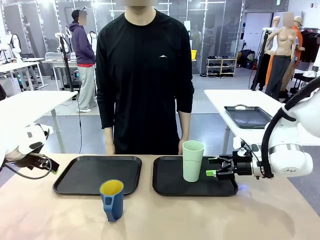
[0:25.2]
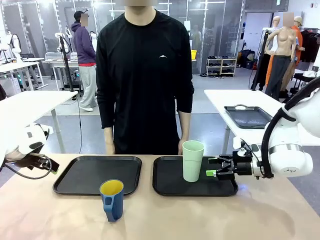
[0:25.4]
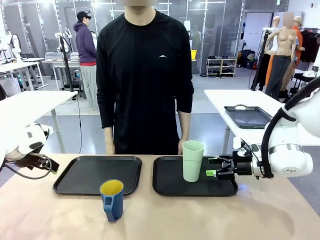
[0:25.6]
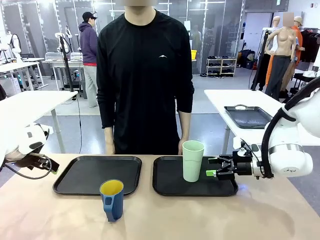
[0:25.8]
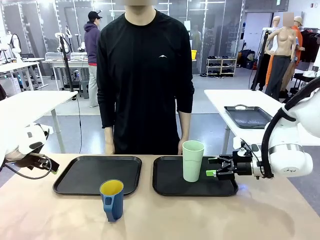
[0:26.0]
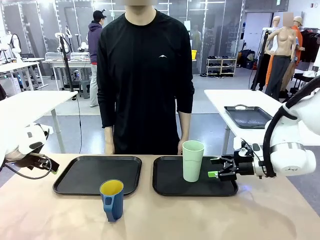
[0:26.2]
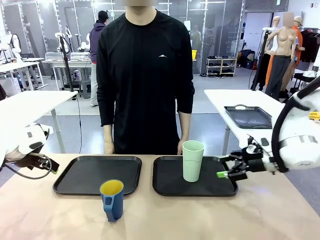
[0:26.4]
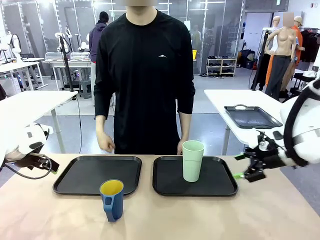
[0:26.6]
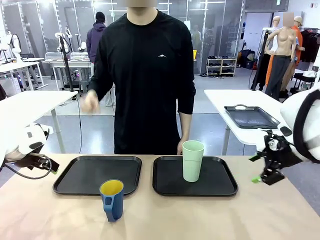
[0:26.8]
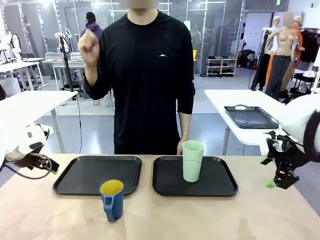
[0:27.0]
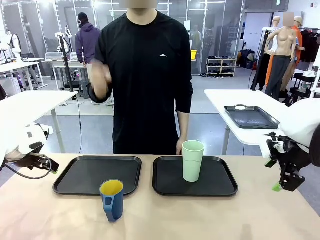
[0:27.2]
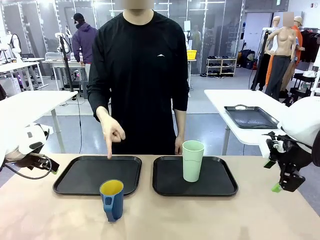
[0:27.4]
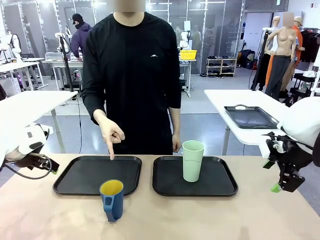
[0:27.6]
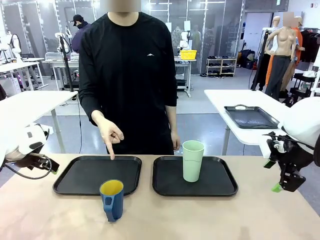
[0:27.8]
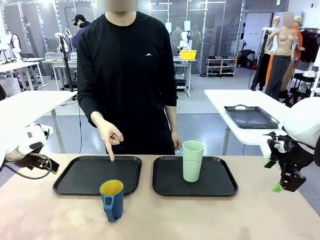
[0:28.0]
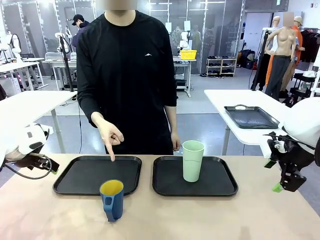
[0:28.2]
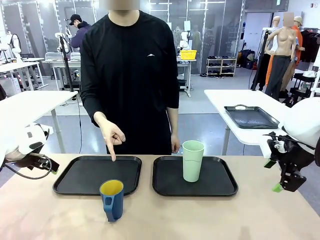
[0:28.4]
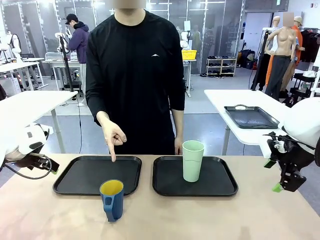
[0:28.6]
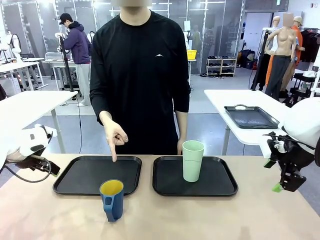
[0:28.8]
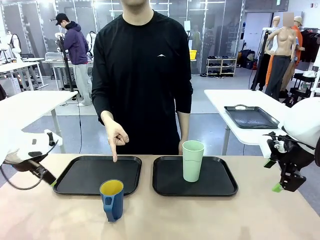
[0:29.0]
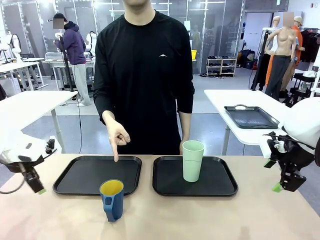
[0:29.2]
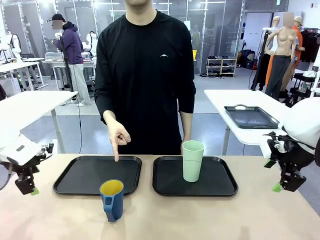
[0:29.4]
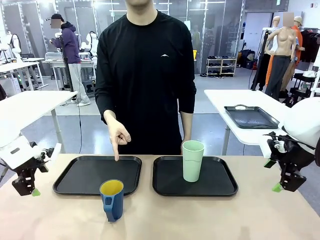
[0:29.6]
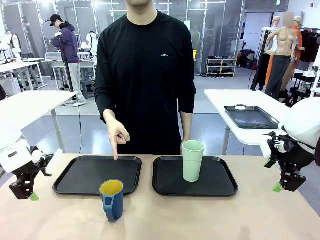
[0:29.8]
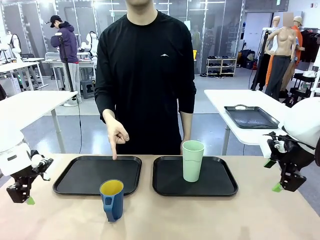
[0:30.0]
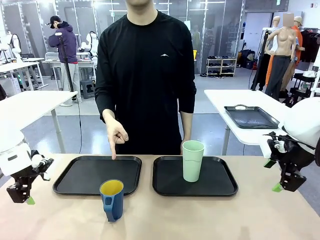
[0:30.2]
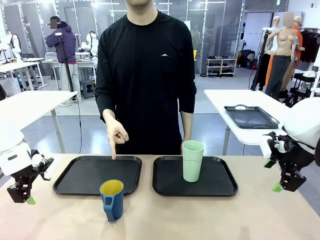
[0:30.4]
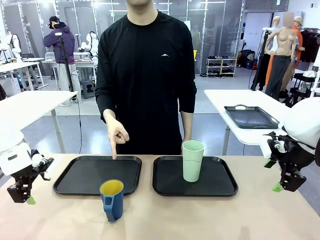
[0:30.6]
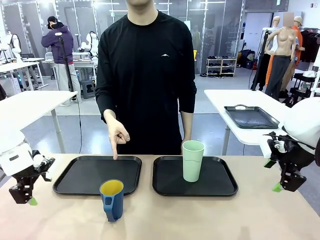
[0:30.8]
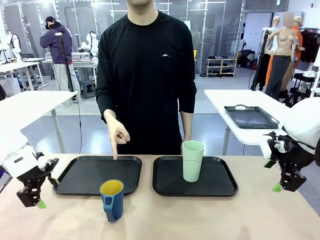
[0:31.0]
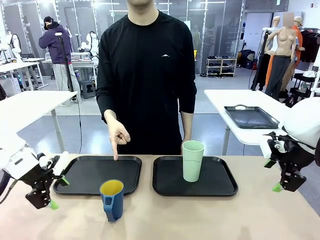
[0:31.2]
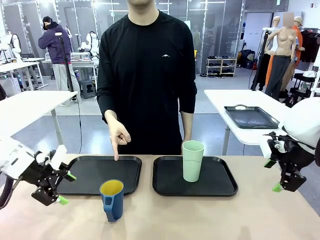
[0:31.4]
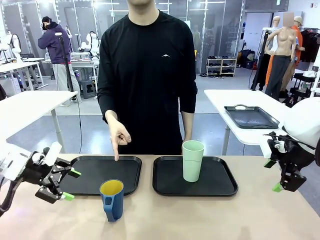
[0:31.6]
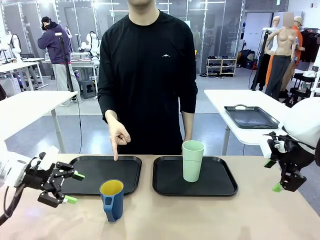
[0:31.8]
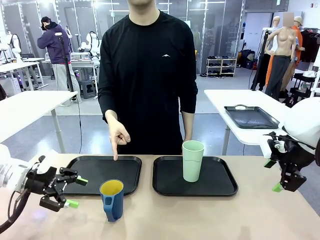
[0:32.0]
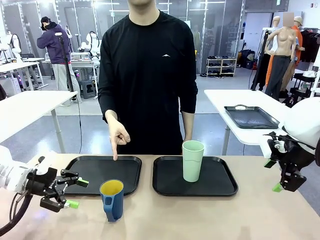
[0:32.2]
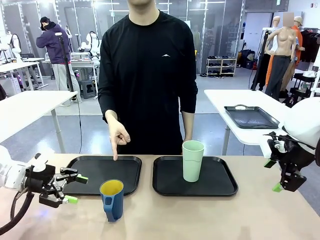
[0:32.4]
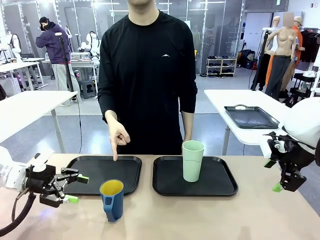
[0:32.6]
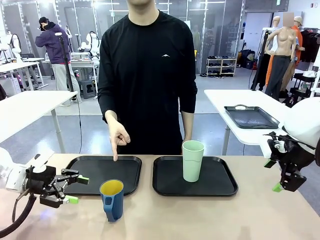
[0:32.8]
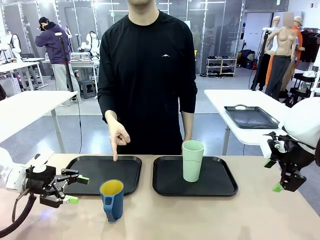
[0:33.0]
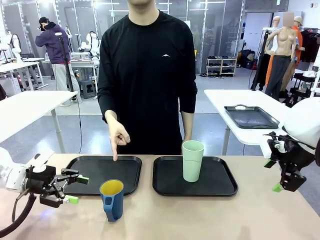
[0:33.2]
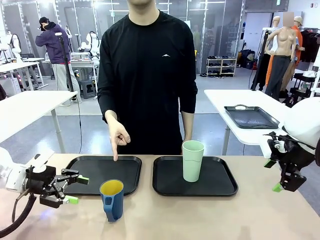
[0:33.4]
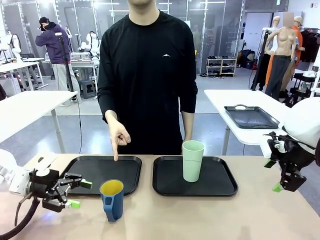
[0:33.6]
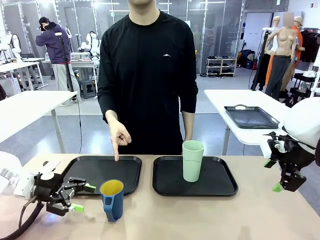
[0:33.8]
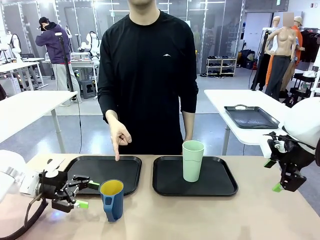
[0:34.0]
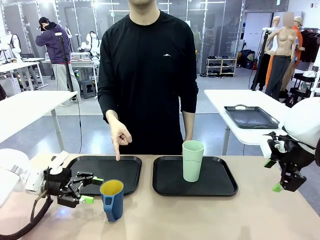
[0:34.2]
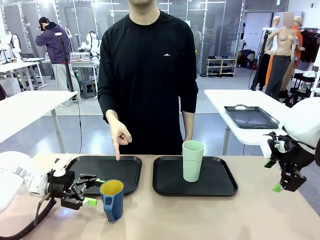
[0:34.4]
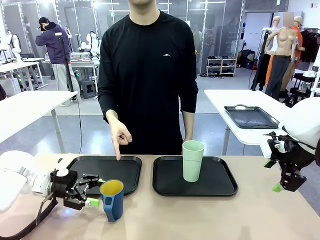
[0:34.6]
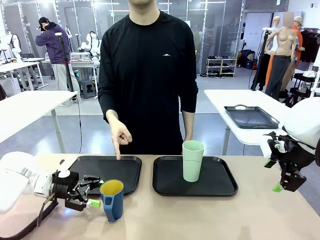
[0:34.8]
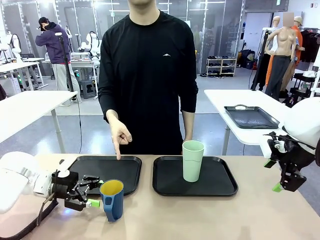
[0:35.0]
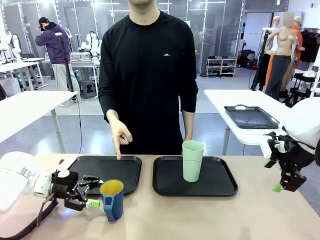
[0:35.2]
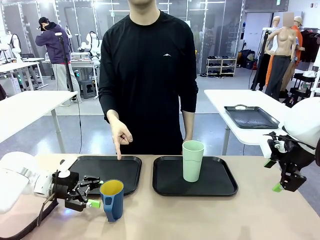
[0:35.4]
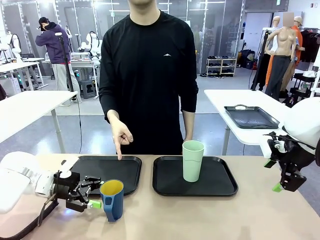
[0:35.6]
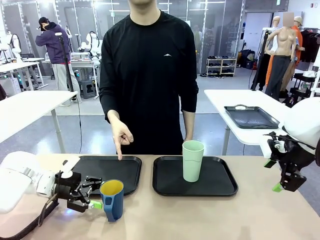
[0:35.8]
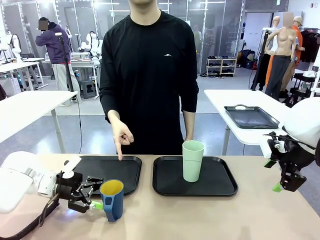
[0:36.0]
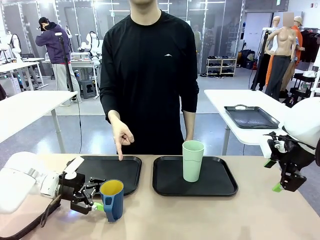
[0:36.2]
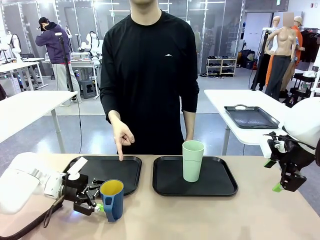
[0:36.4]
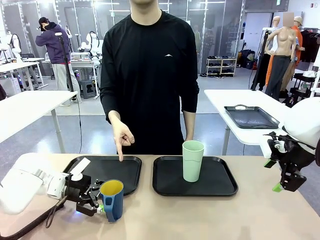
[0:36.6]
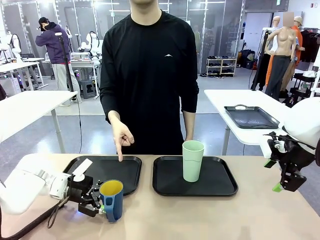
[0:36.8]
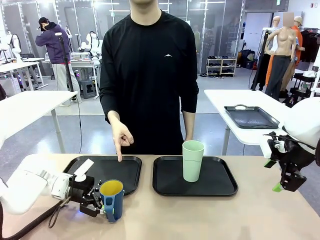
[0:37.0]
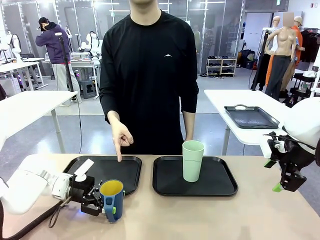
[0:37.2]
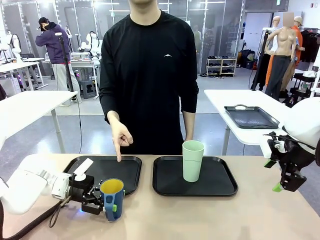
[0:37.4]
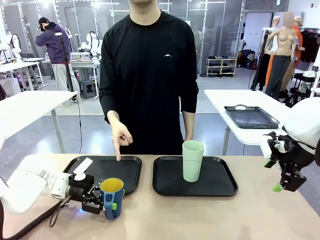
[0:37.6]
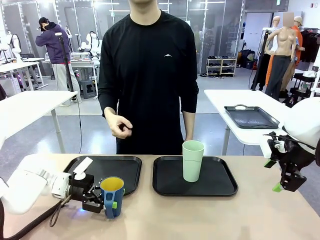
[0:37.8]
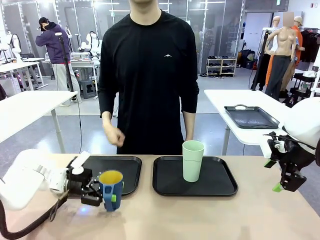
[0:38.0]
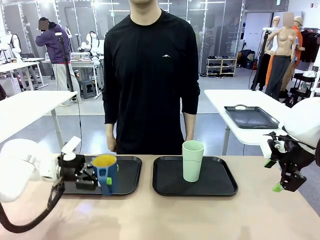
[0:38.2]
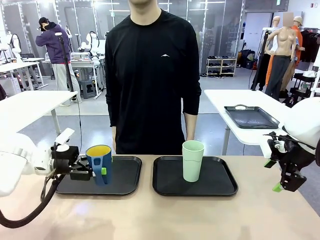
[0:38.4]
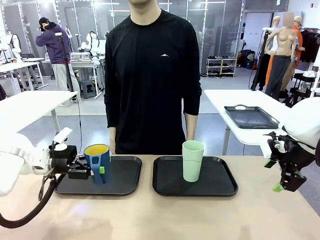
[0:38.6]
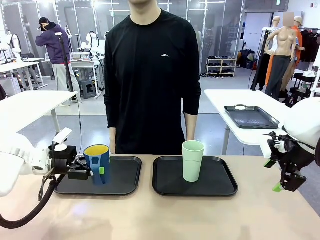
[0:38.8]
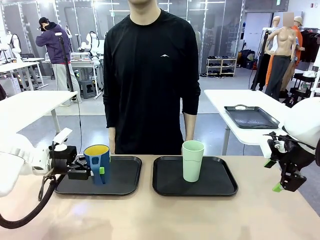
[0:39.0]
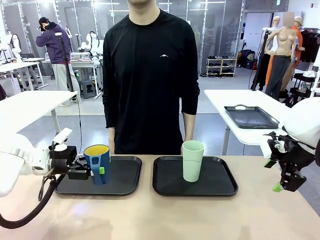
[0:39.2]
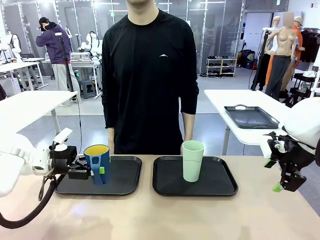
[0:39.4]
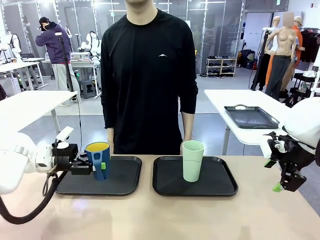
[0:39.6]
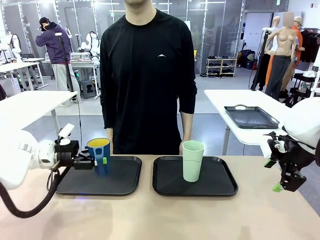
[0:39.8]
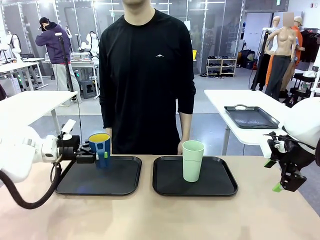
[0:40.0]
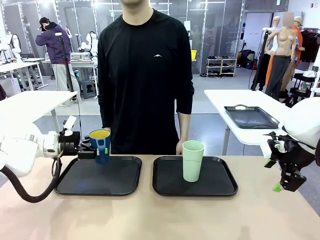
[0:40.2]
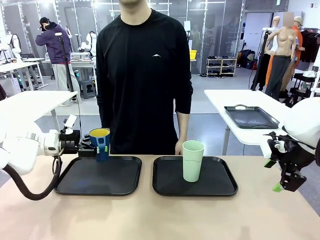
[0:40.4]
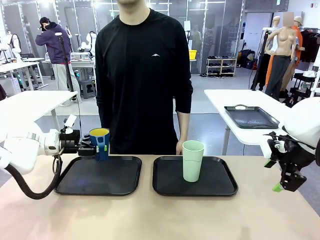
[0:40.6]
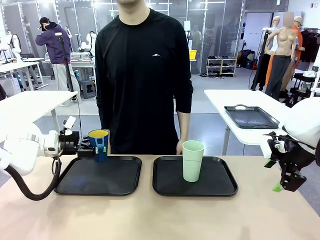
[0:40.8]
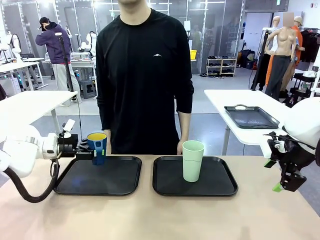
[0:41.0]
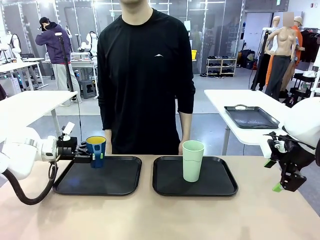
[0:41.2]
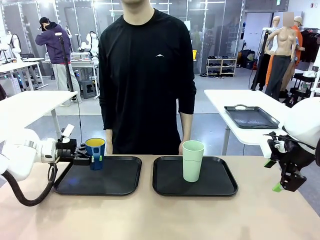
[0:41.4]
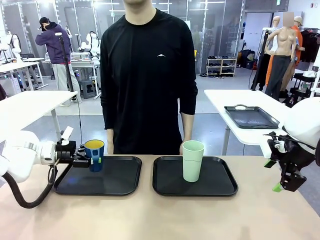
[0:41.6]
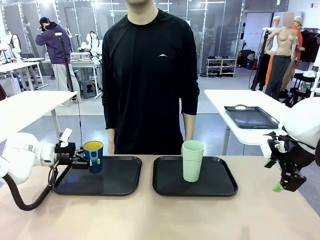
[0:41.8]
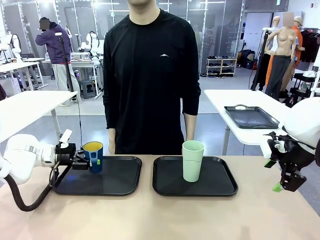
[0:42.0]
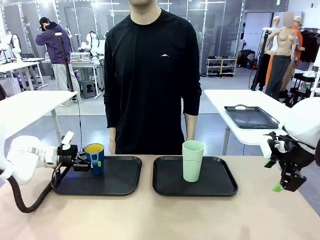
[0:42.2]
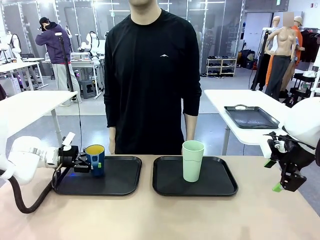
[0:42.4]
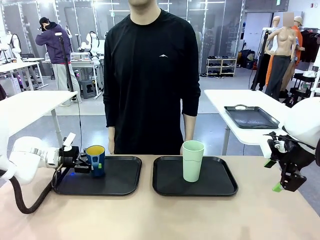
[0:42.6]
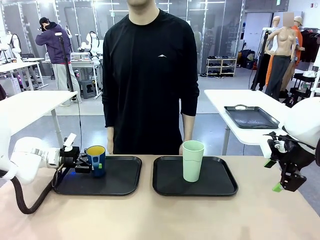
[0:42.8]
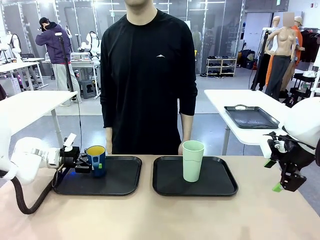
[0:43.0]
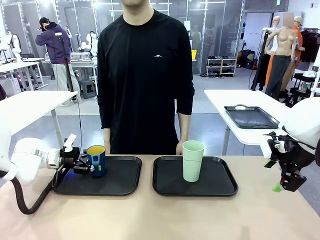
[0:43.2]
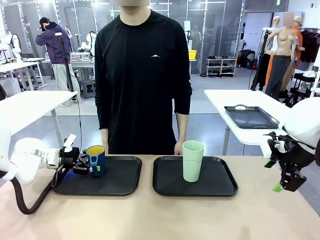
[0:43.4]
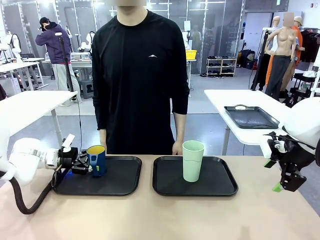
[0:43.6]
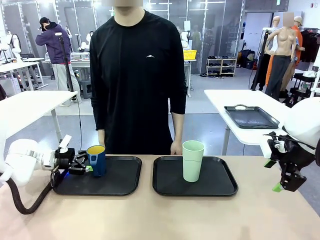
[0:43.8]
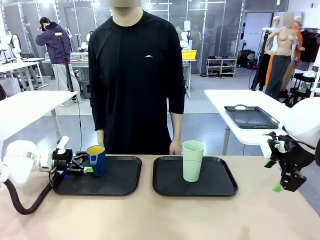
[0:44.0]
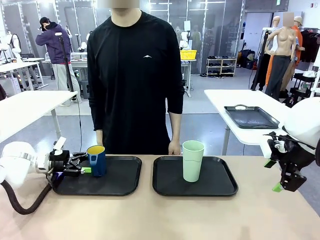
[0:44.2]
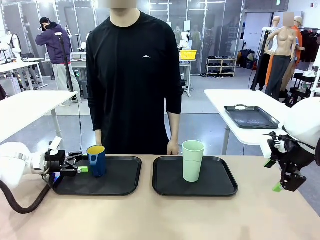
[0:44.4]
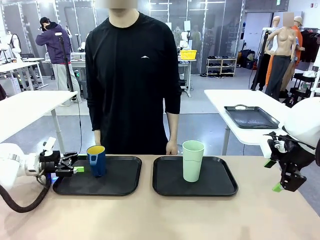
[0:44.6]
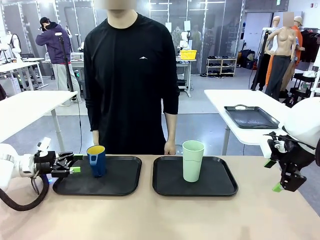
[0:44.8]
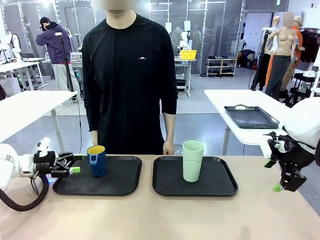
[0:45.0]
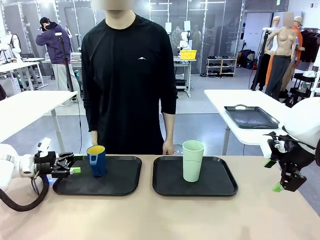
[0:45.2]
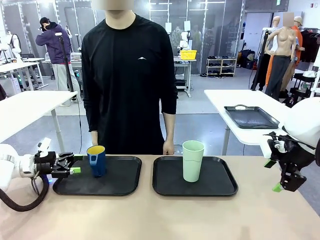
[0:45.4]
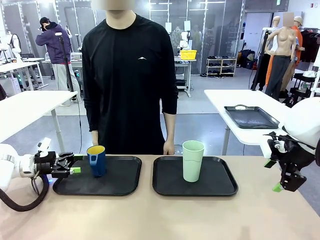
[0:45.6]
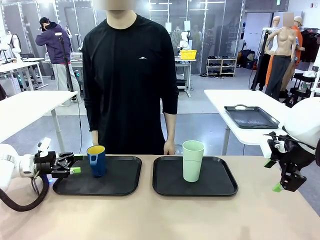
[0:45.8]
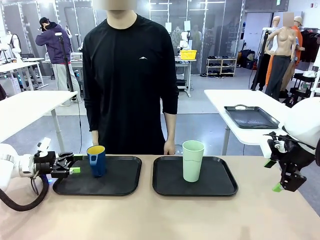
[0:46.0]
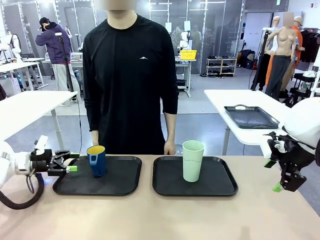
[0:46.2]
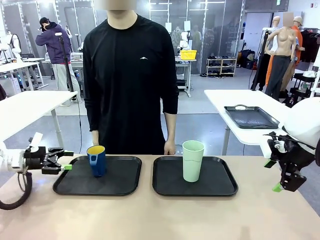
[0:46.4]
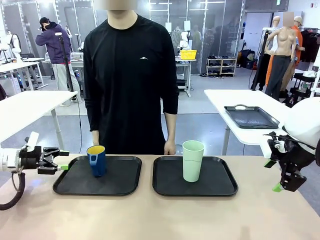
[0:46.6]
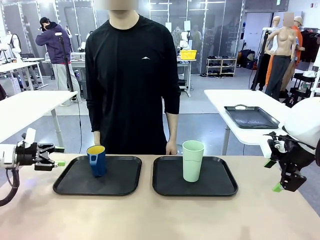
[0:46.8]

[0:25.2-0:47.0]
Task: Sort and store the cups by type.
Robot: Pick up the Handle plastic cup and place it into the empty Flat Tray.
Person: Points to the cup with a handle.
